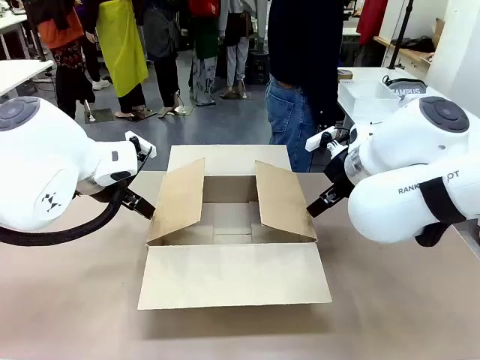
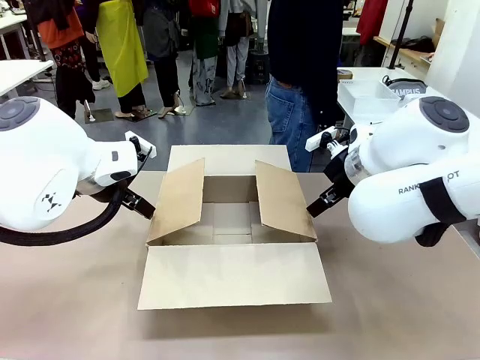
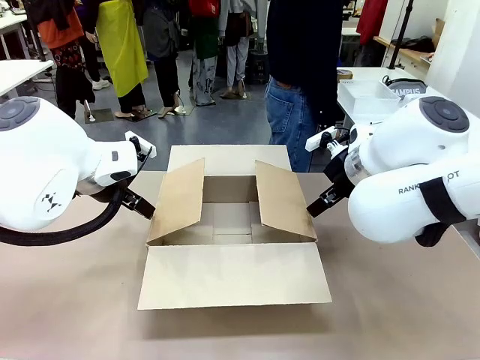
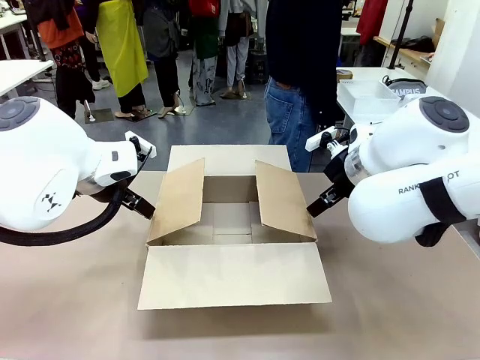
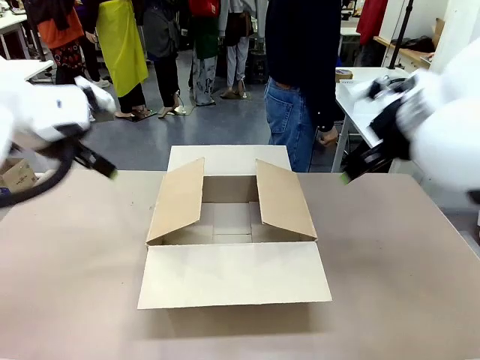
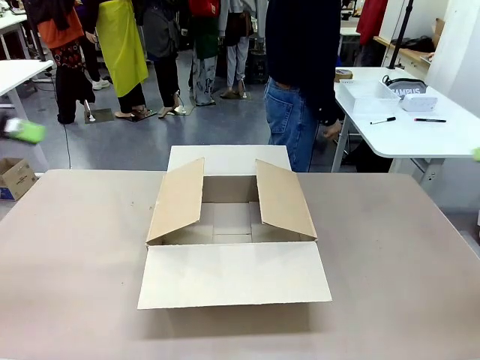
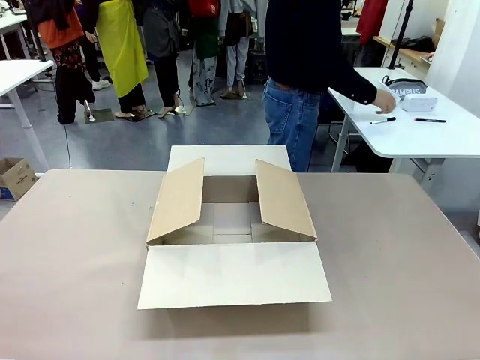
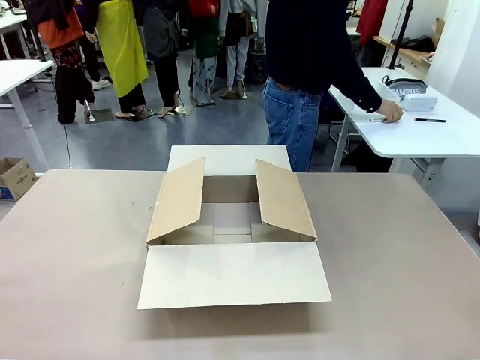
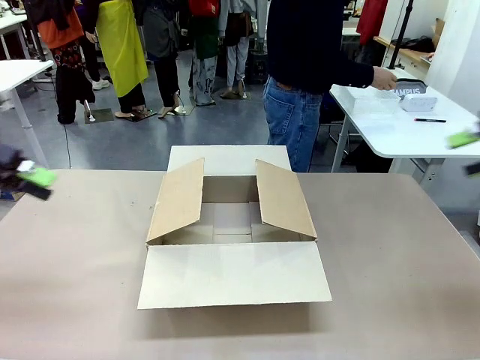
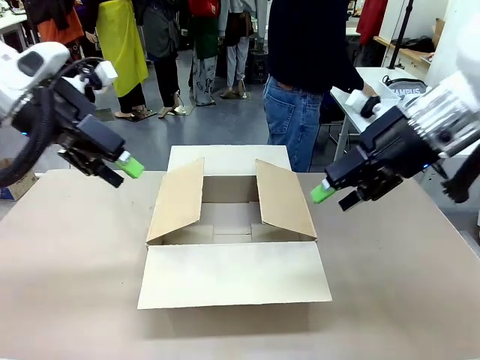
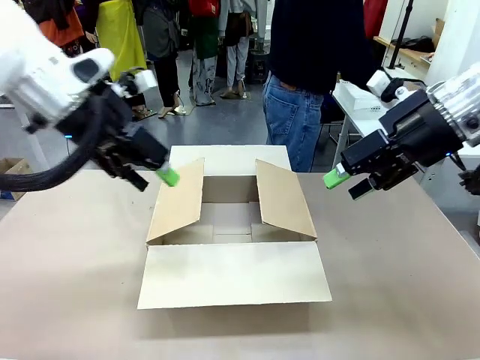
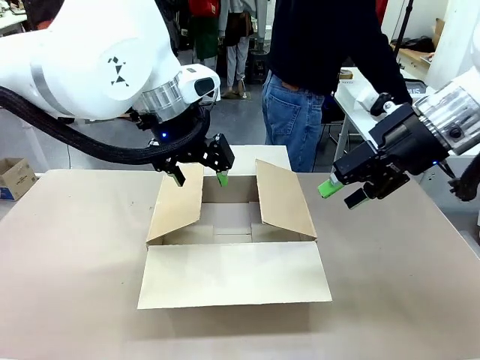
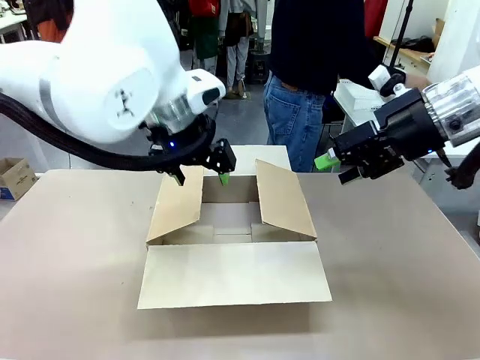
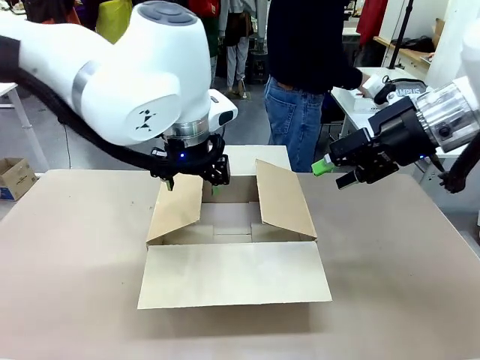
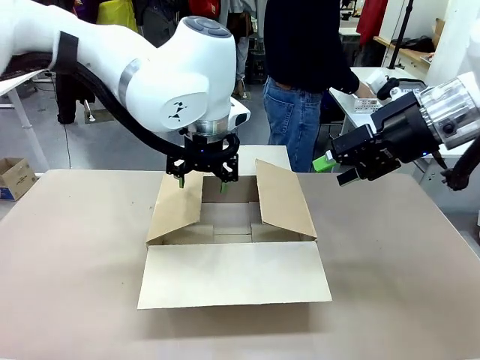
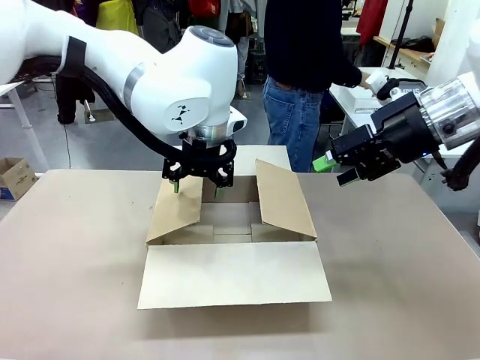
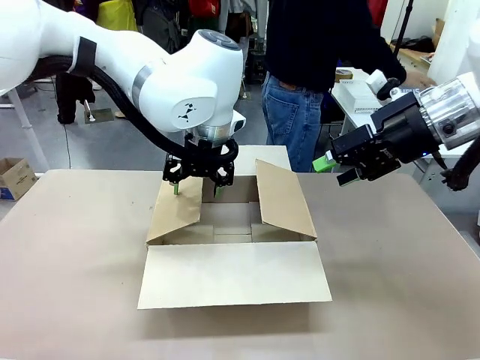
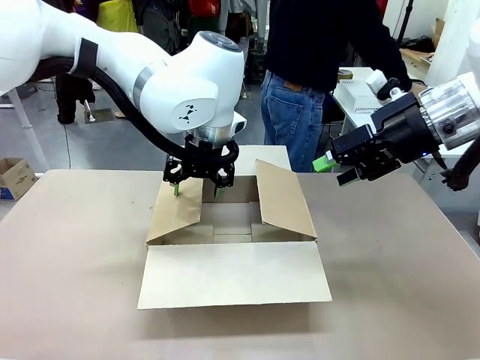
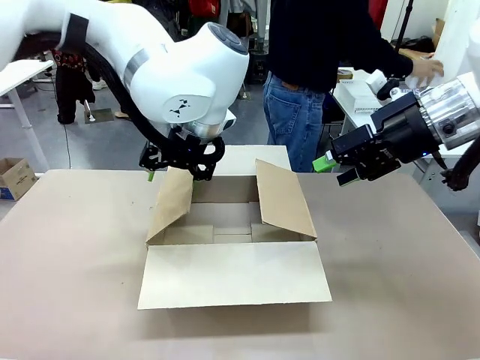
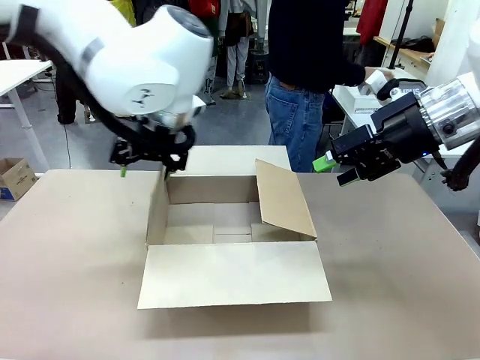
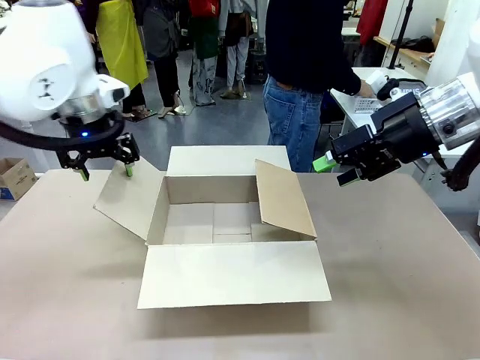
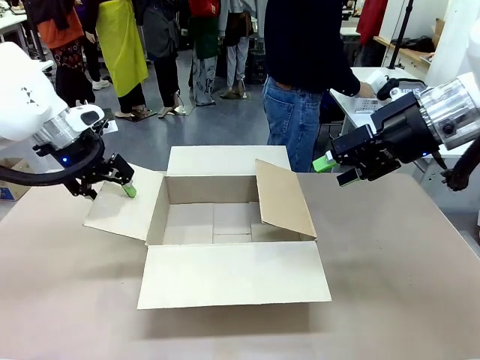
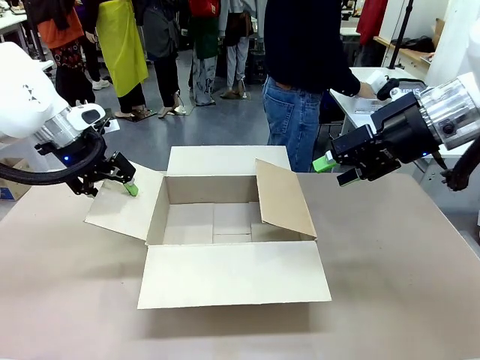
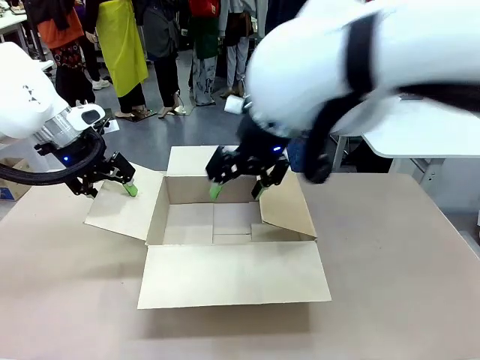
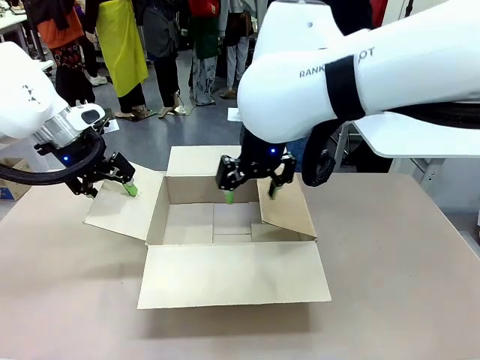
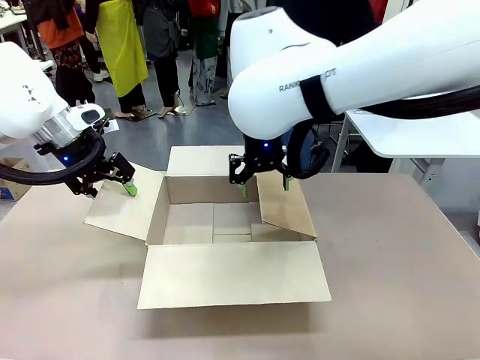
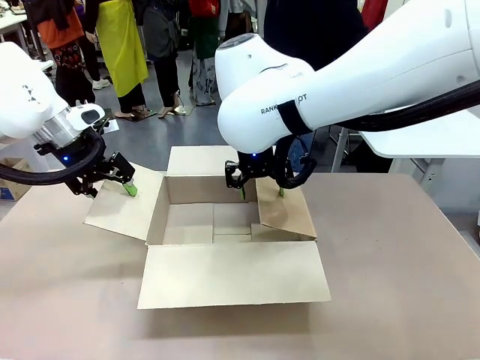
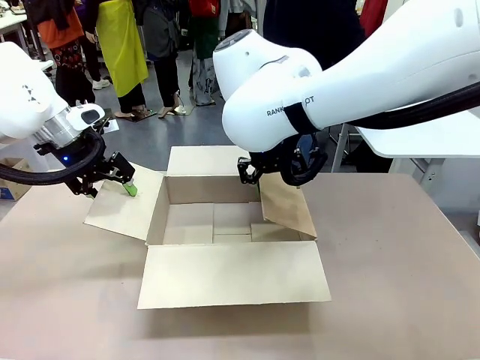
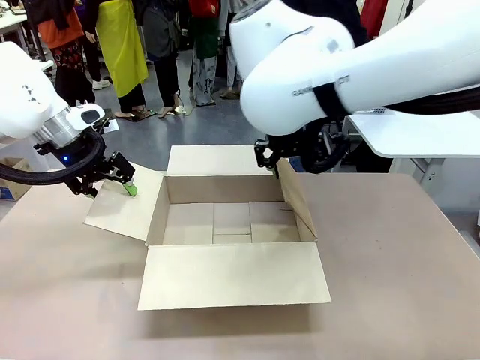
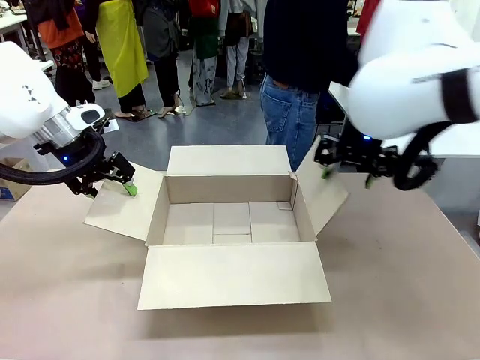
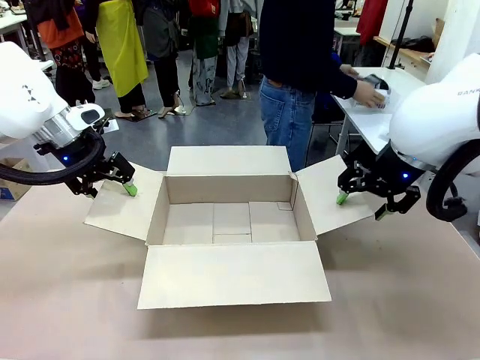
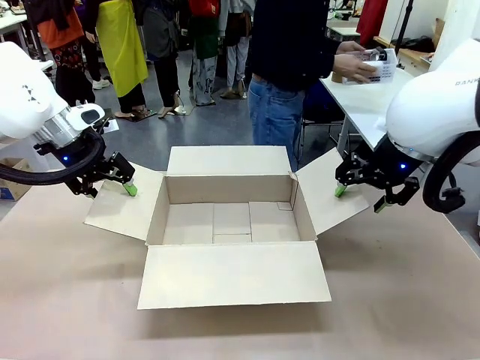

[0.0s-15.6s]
Task: Pack the gift set into the box.
Robot: Place both hands on the side flaps of the Package Box and spread them outward.
Person: The human places all items except the paper tape into the organizing basket.

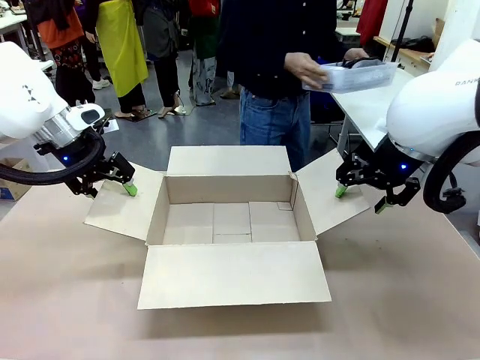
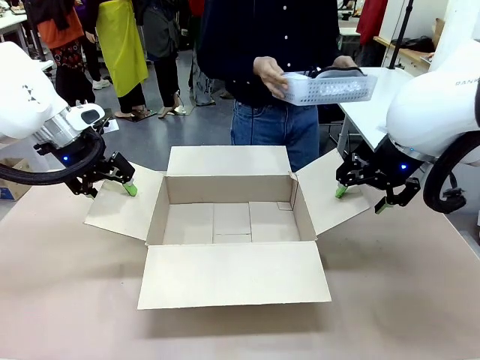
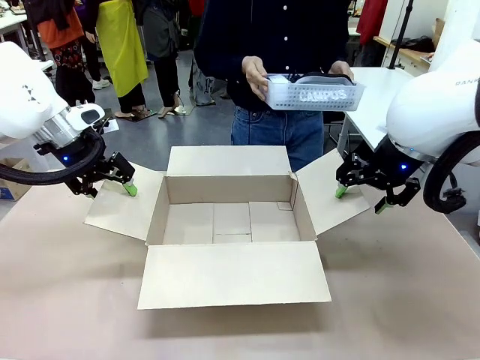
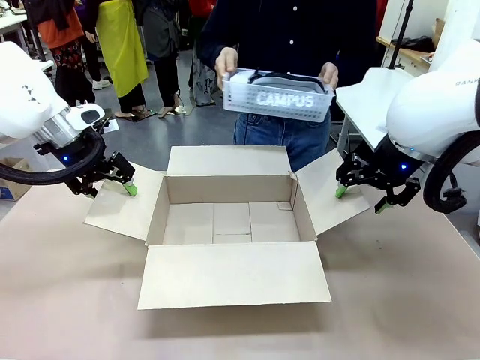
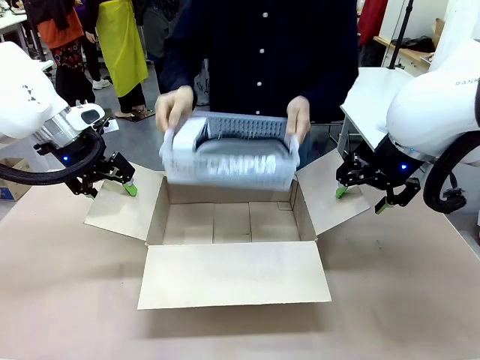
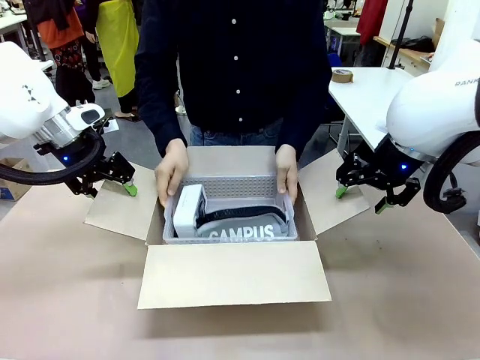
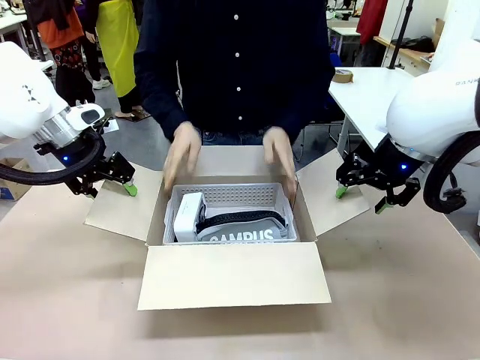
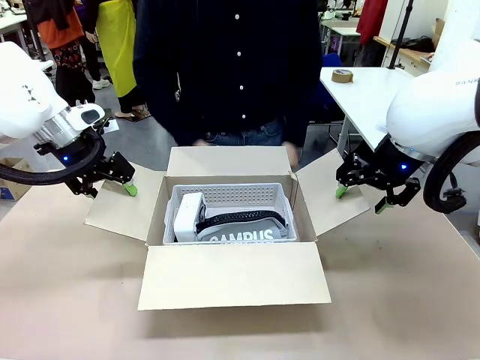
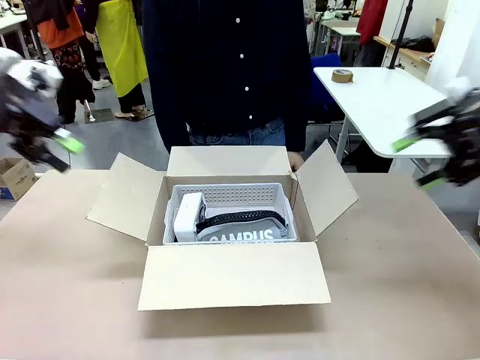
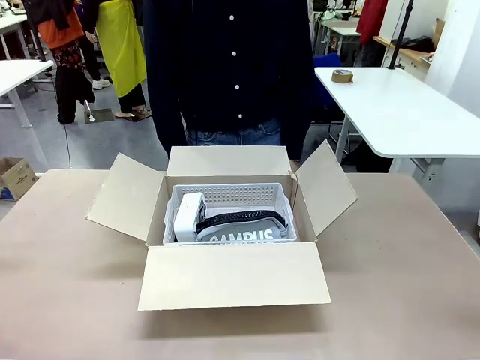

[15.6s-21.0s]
Robot: Lift both hands away from the flaps of the Package Box.
Person: The human picks up the organizing basket and places the organizing basket into the package box on the robot table.

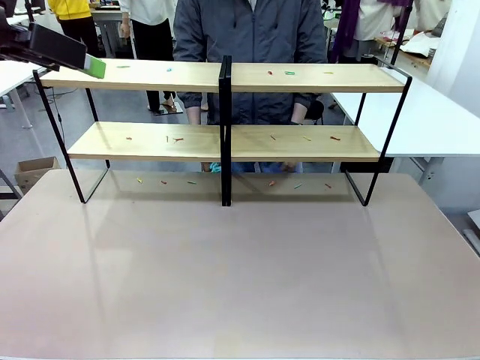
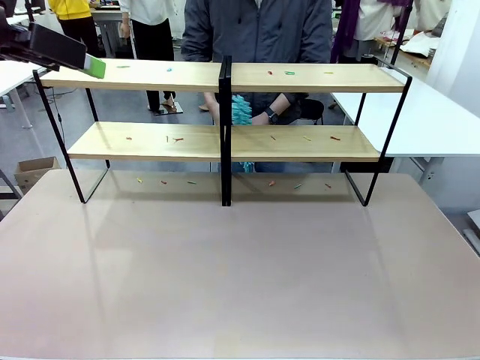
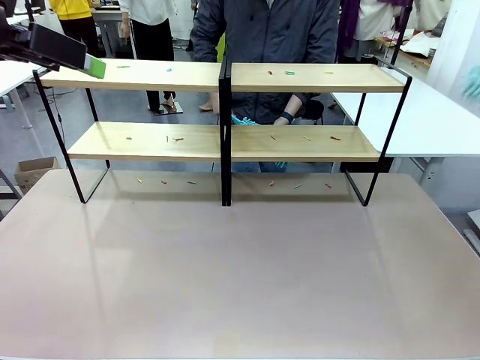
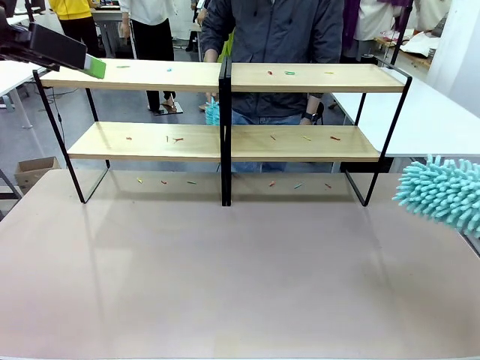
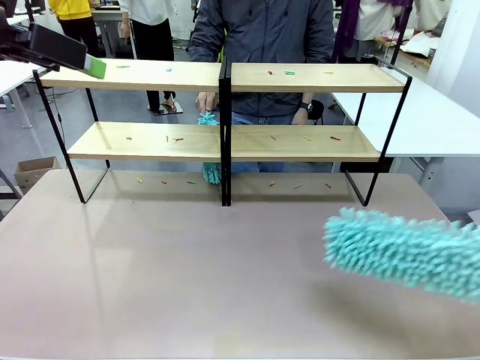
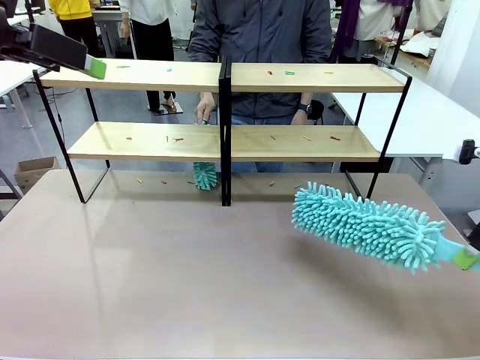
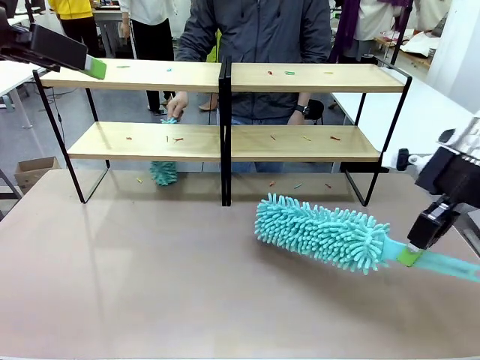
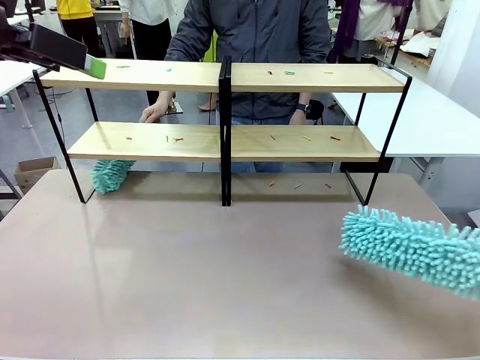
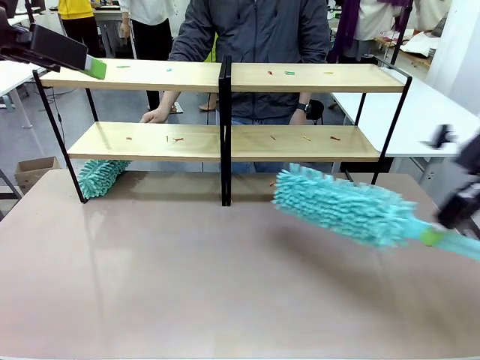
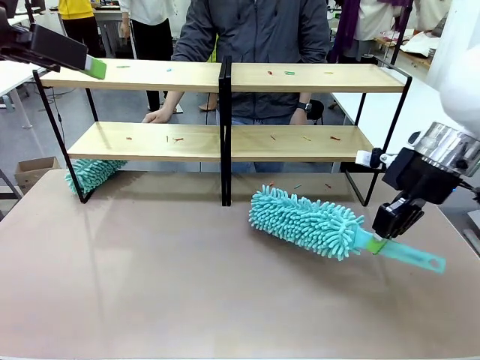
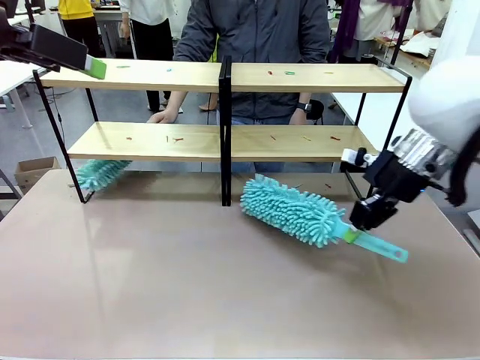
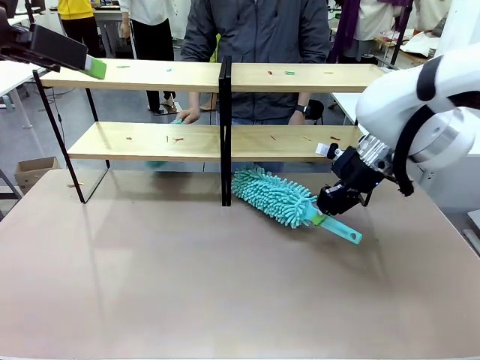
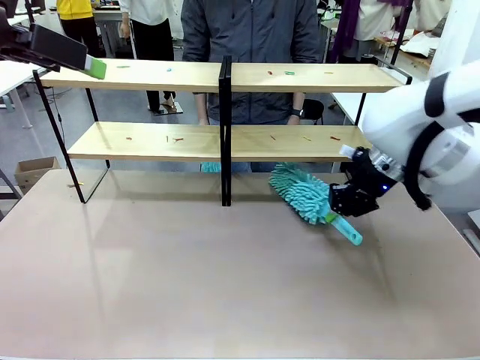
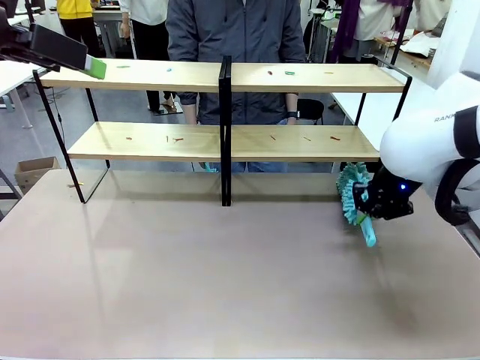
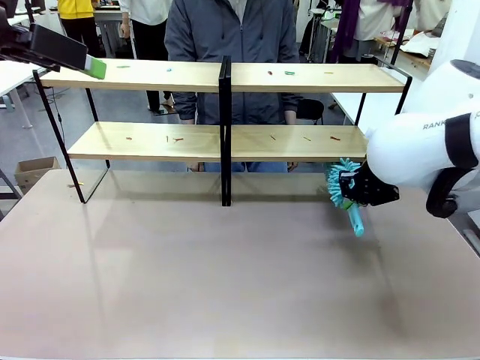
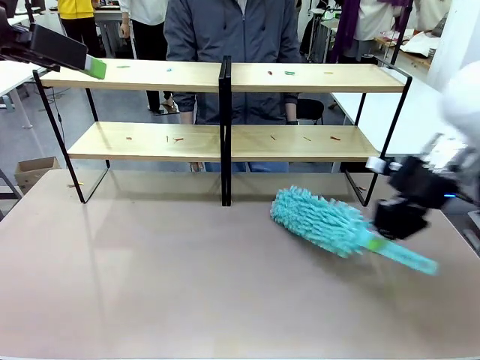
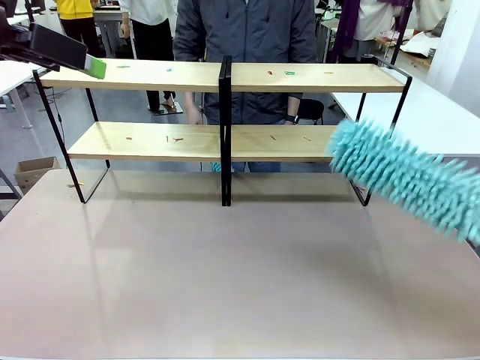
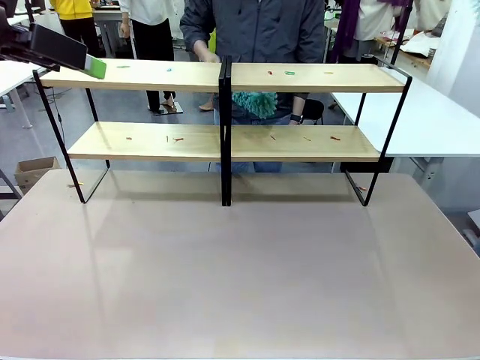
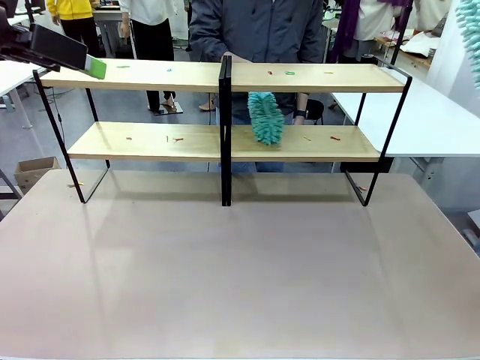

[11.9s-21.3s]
Task: Clean the shelves.
Robot: Clean a randomly selected level of the Shelf with the Duster.
